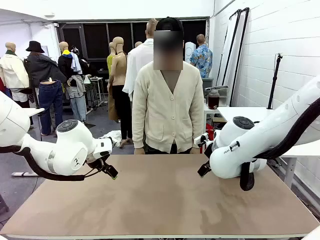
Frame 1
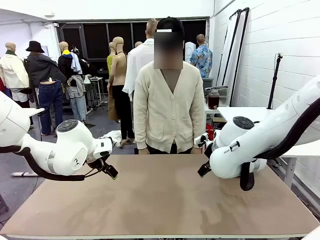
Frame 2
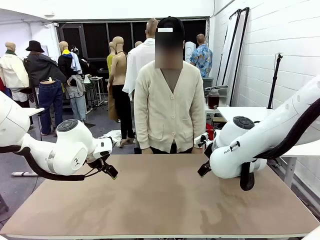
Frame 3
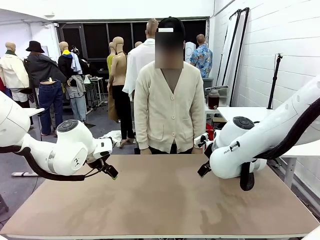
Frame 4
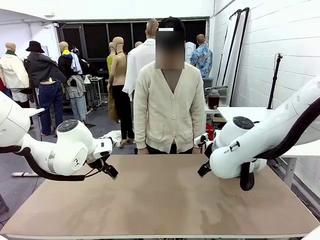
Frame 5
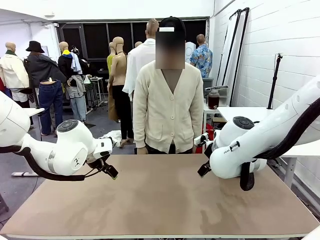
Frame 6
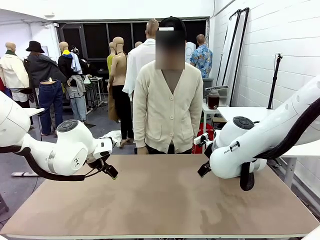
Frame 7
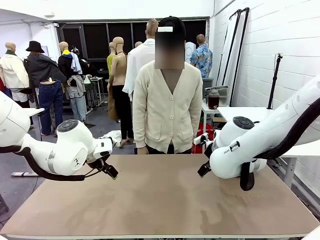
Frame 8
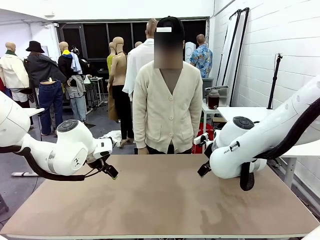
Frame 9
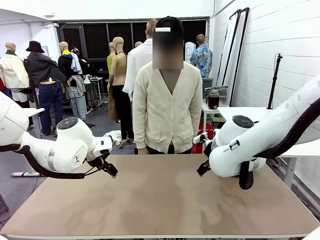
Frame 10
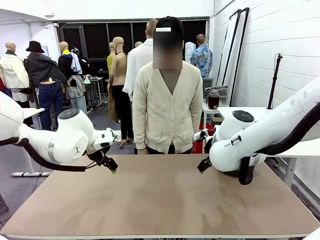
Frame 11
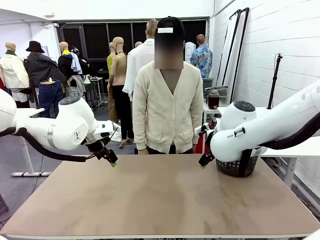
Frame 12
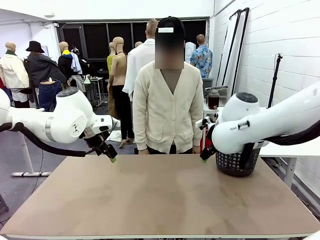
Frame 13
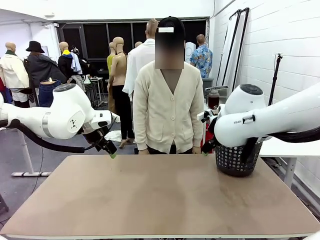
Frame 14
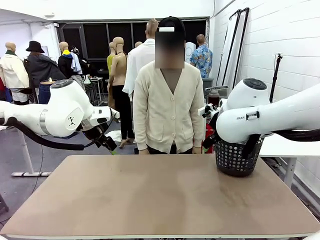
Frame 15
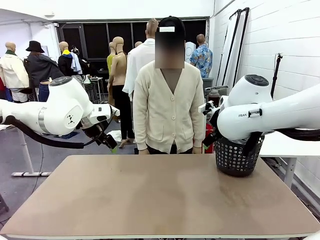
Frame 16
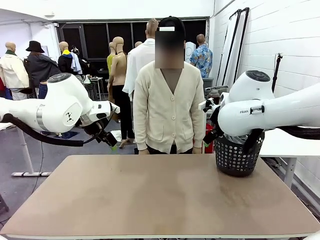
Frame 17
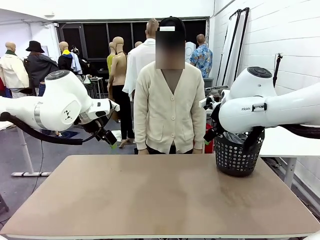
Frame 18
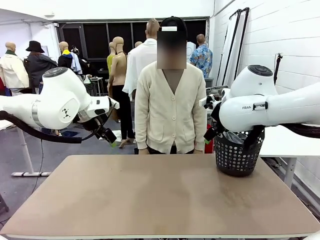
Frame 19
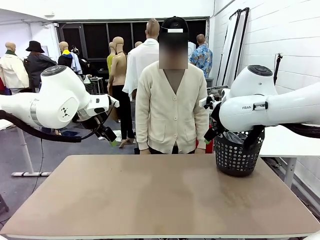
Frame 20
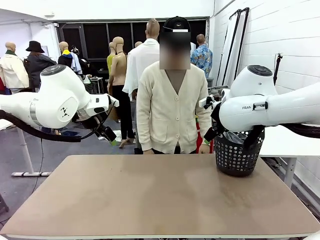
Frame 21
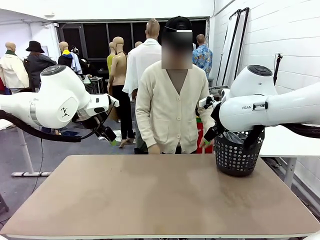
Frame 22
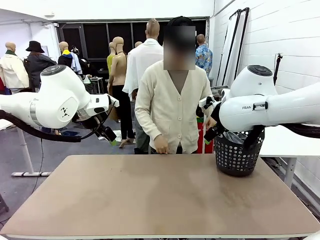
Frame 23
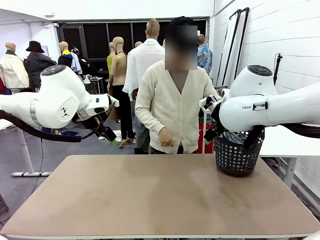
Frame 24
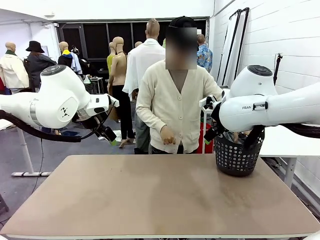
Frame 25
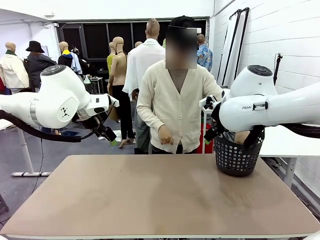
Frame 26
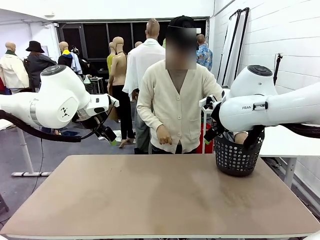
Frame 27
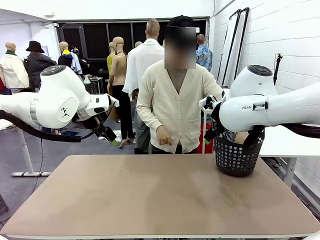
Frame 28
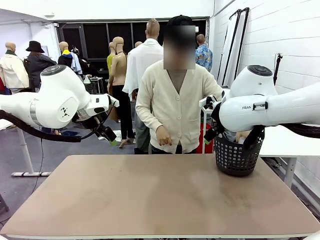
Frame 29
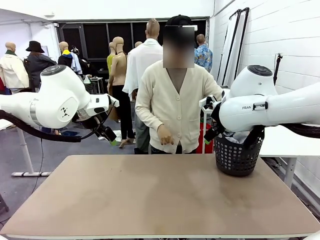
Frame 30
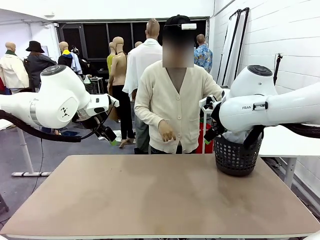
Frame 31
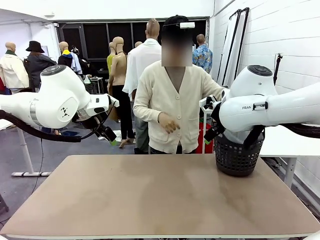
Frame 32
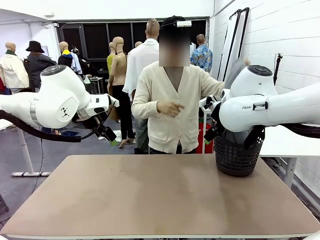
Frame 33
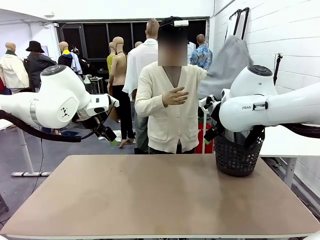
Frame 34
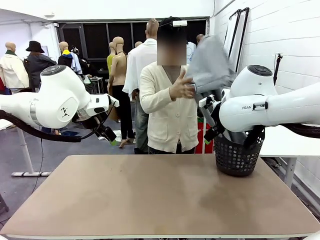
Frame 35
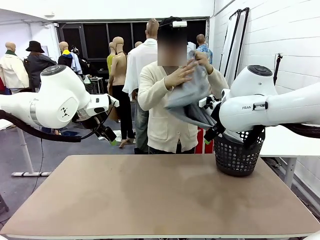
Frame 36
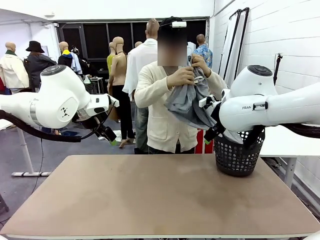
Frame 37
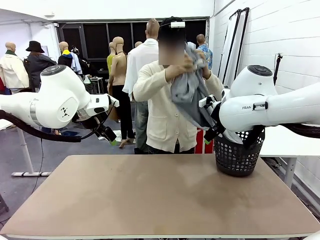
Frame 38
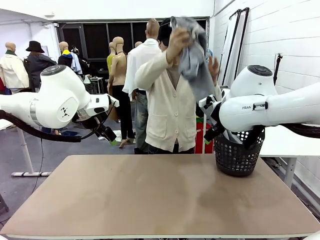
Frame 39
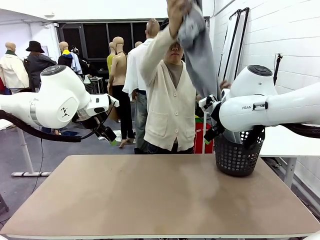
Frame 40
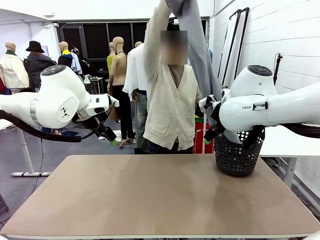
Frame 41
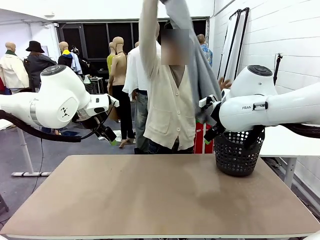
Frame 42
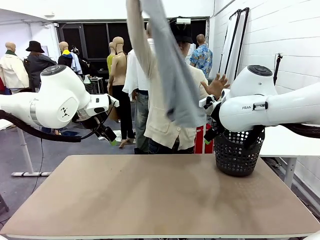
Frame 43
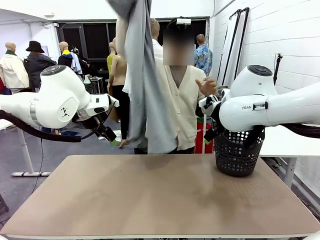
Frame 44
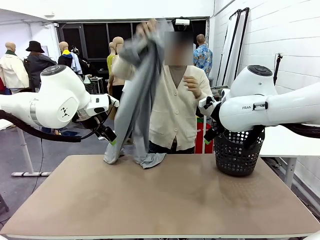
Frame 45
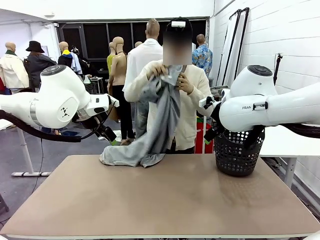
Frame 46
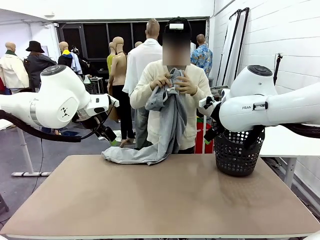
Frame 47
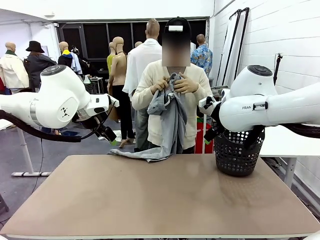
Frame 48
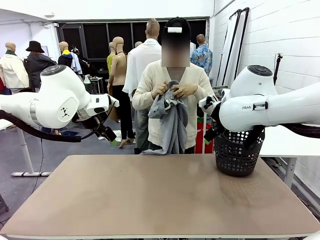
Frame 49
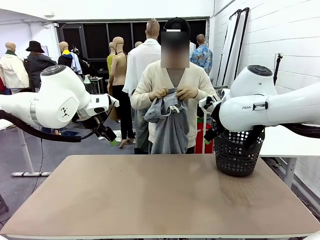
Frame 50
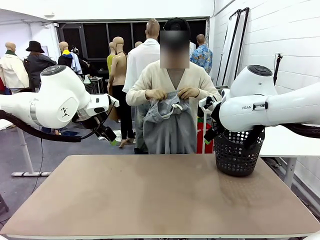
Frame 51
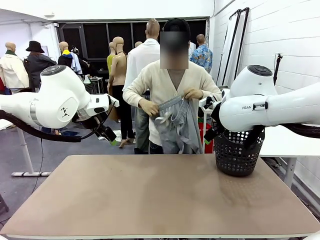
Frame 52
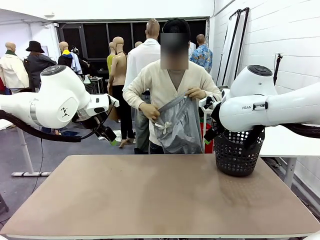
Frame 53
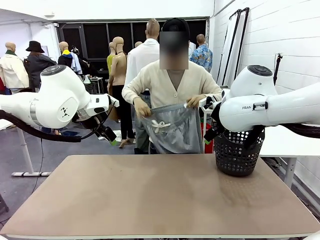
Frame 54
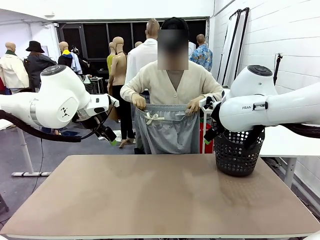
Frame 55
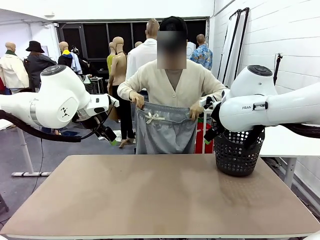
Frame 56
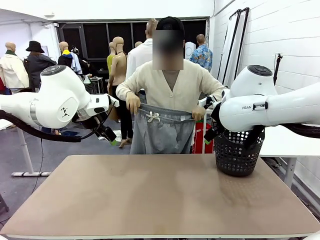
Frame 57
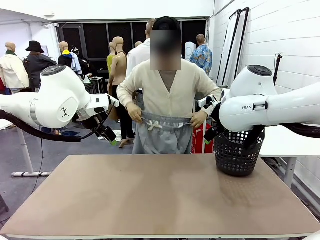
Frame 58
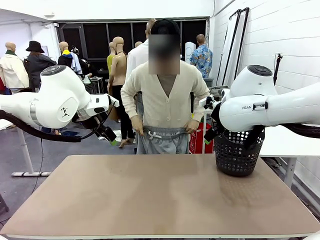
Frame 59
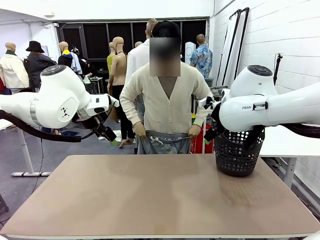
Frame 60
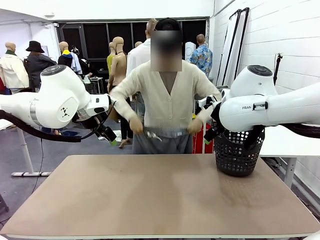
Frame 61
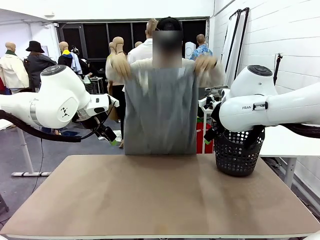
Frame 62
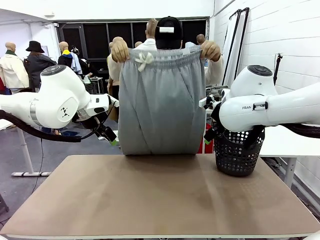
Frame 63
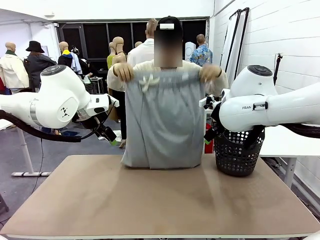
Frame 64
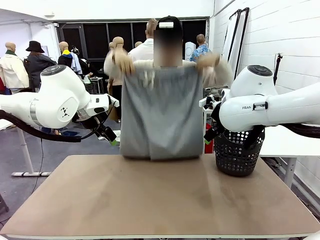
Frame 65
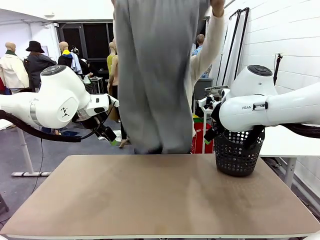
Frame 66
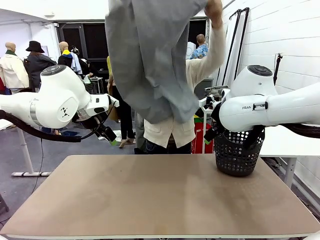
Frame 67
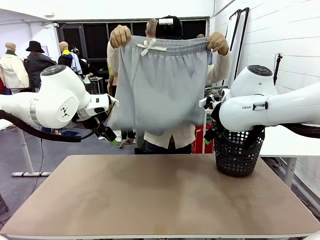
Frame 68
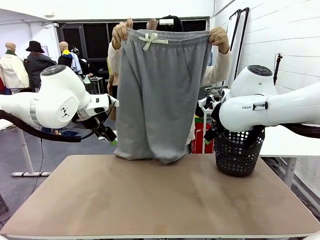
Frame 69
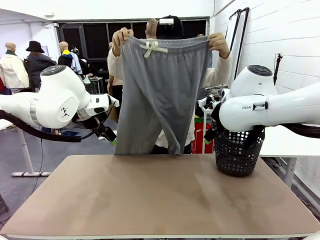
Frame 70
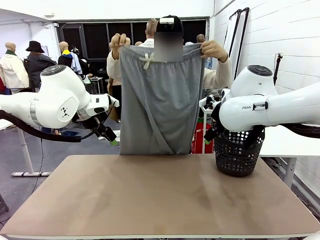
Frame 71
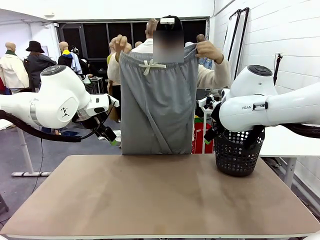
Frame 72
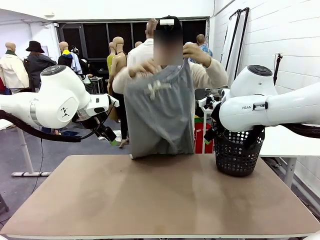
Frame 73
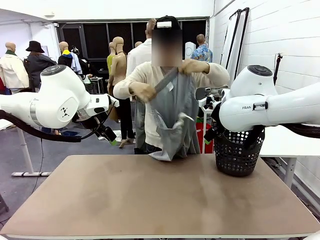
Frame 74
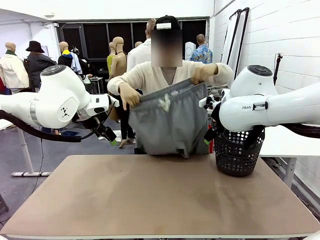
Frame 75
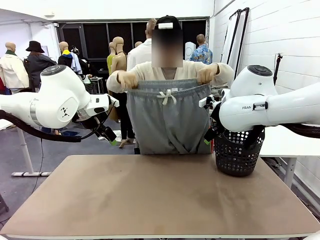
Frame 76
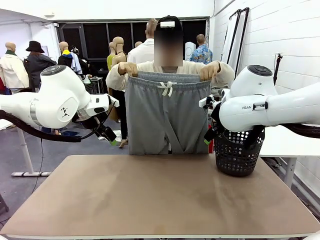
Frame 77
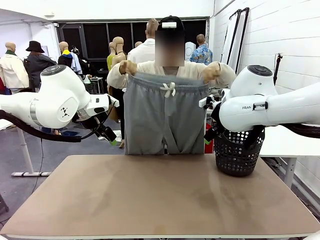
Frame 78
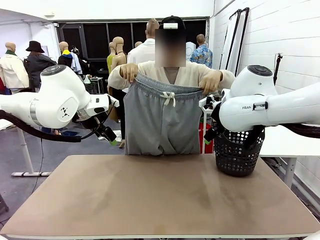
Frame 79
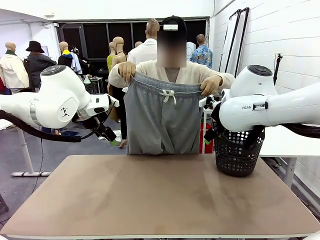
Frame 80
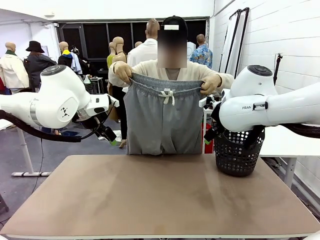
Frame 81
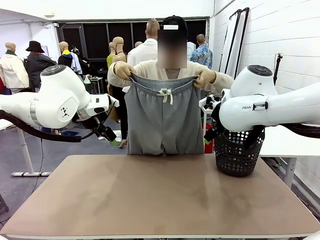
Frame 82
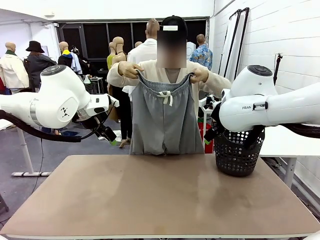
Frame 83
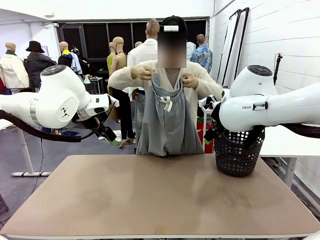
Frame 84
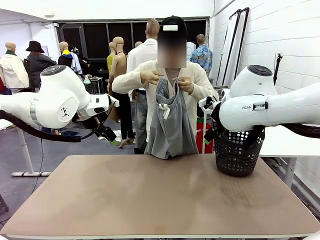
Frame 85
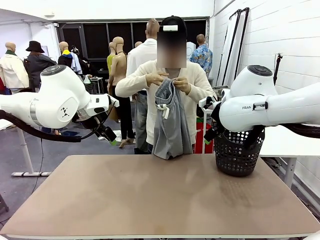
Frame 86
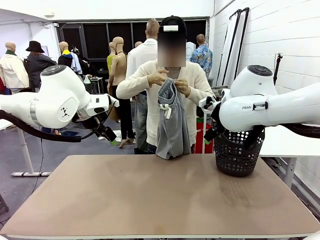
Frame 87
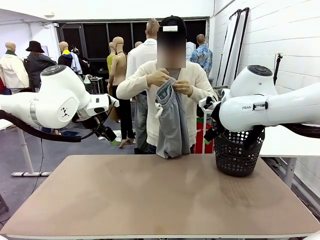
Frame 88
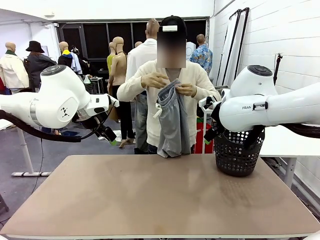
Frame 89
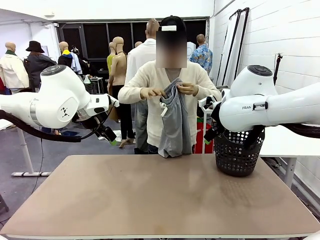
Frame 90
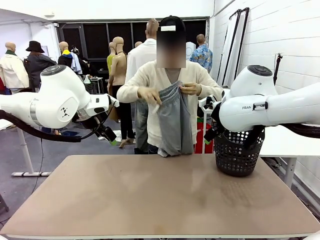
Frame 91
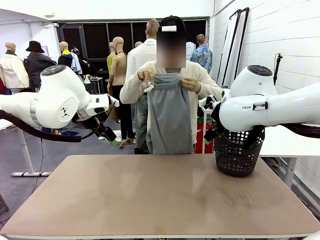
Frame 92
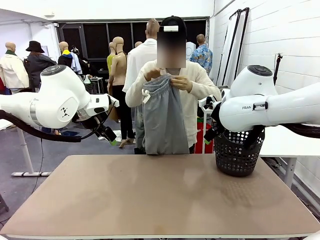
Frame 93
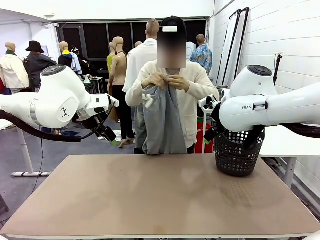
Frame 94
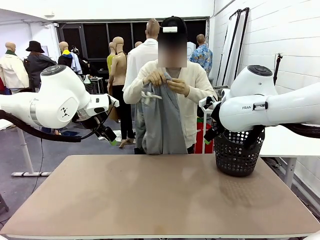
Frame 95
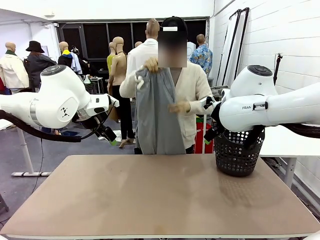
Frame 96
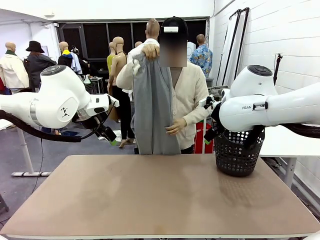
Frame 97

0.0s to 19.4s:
Task: Fold the training pants.
Robot: Grab both ends of the Training pants handed by a person.
Person: Take the long pants out of the laundry basket, unfold them, fold the waist in half, and extend them so the robot can pick up both corners.
